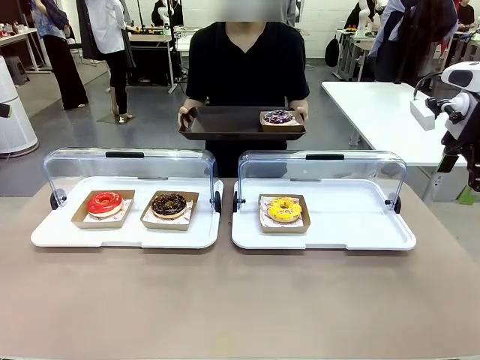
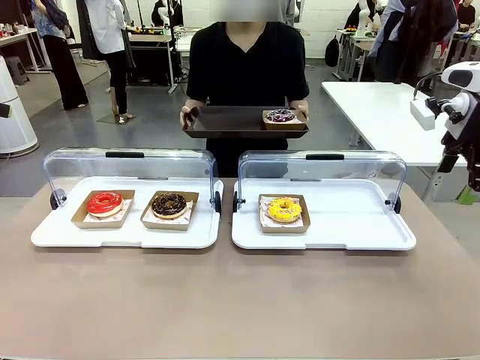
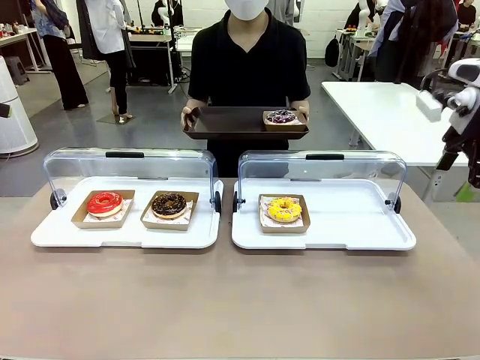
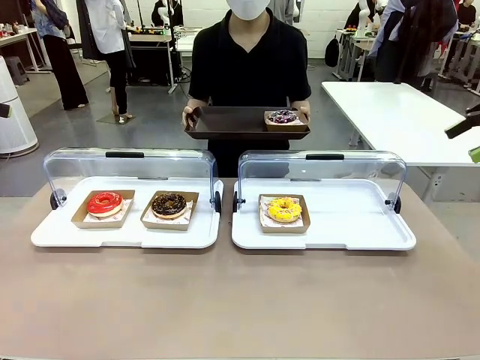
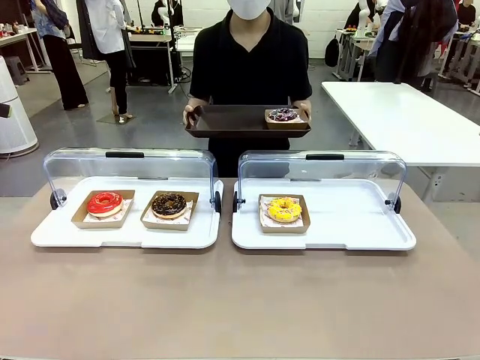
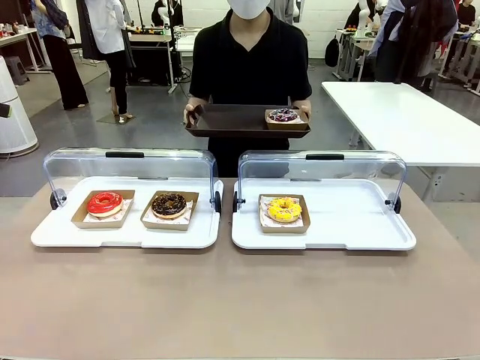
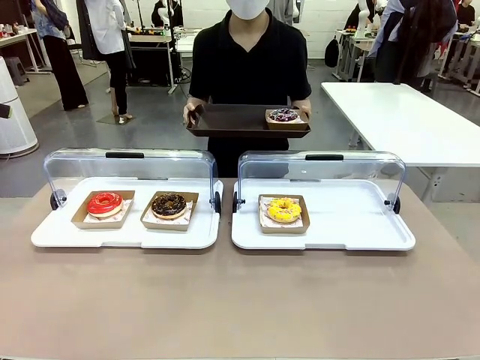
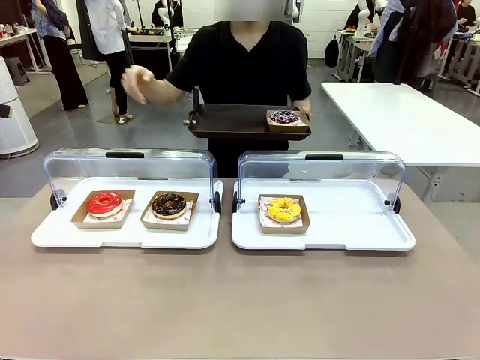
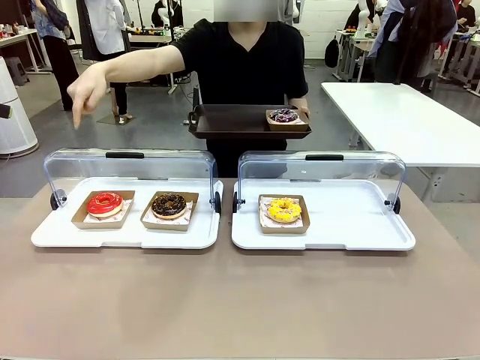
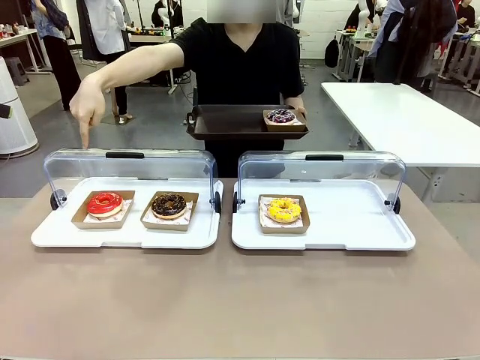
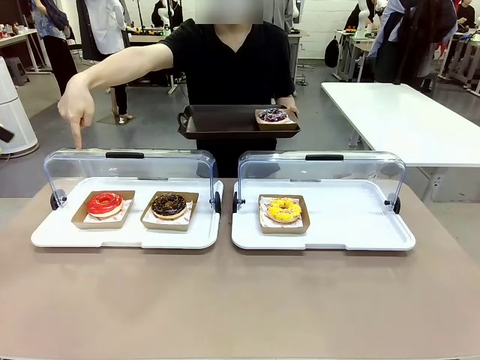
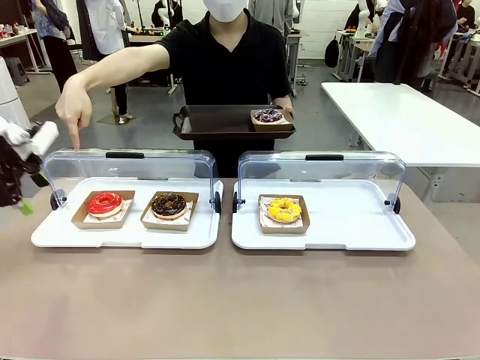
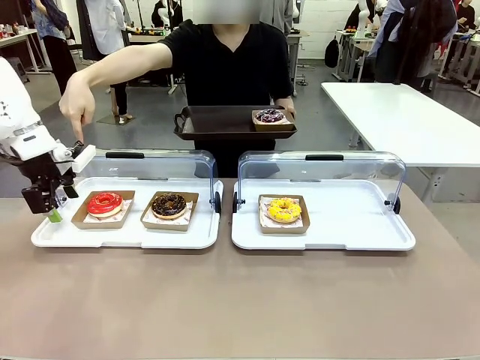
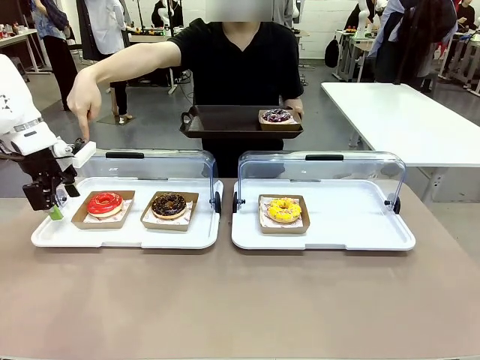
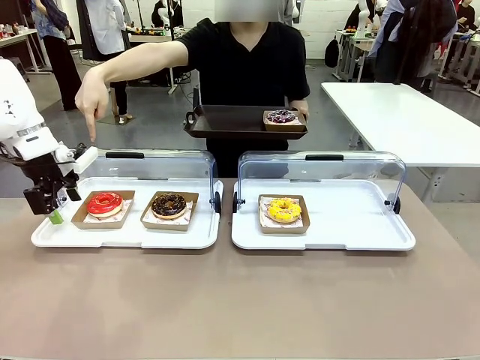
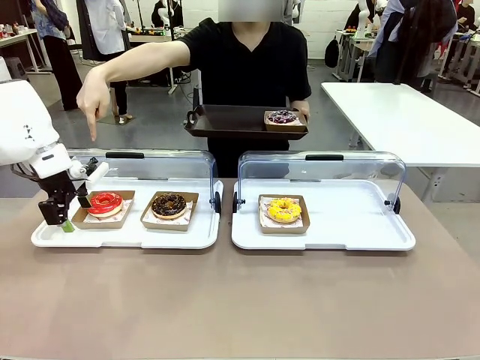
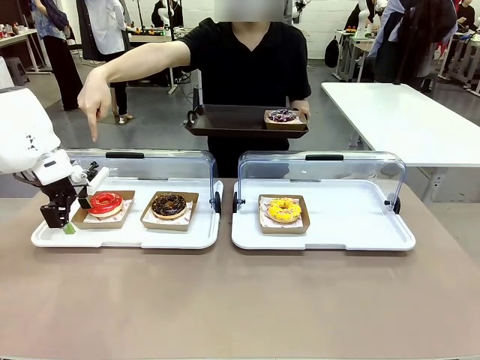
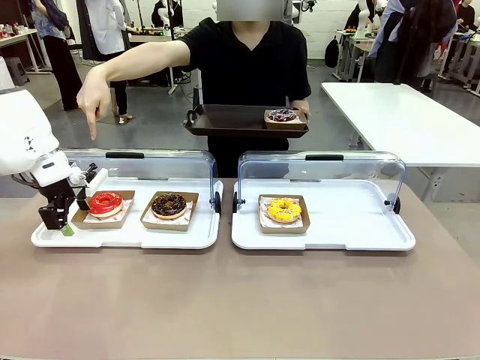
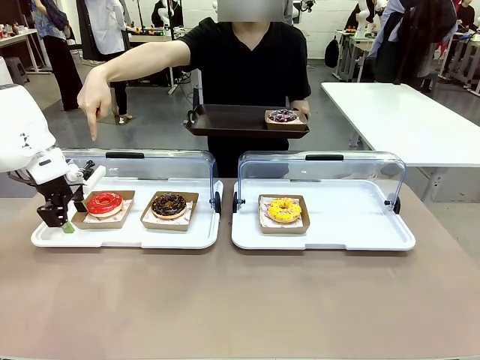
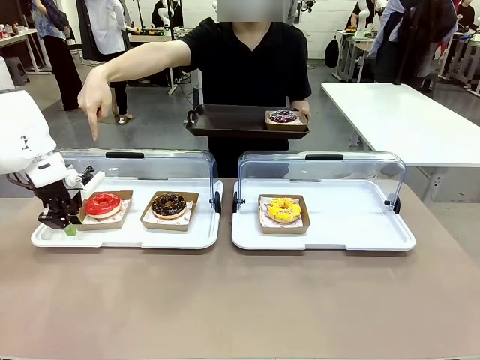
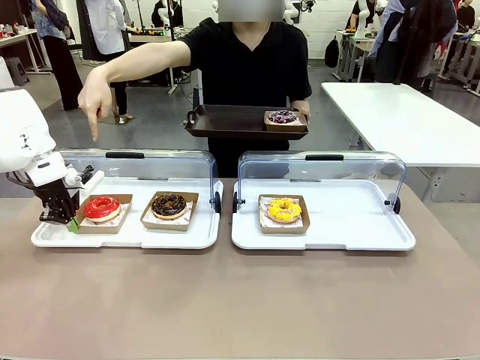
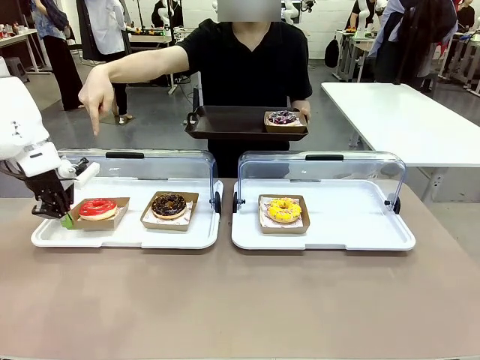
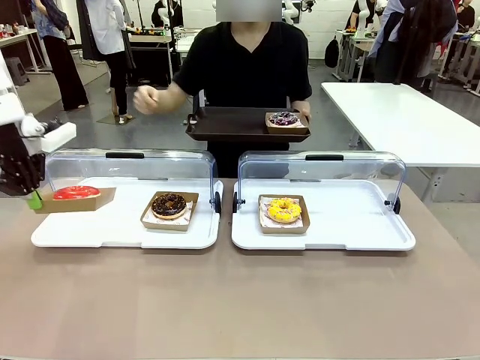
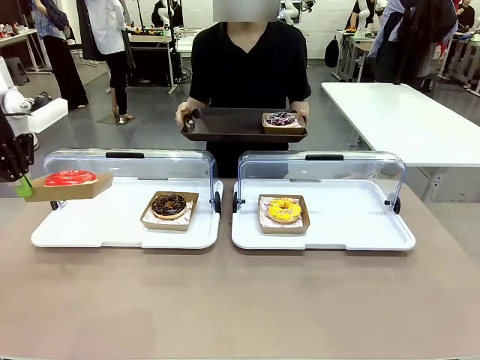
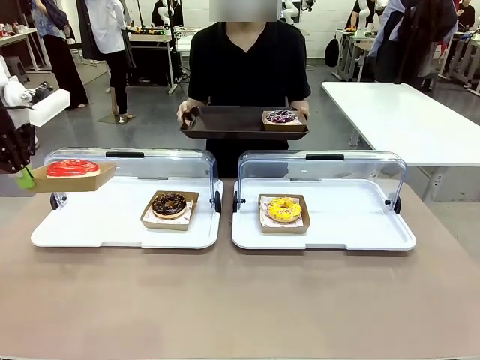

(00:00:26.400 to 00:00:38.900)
Task: Provide the desired donut to the person.
Robot: Pick up and lift the Paper togo box containing the Donut pointed at by the person.
Person: Point to one donut. Lift the tray onto the Roll-Top Bakery Case.

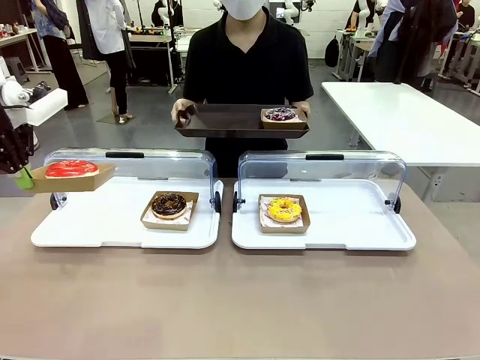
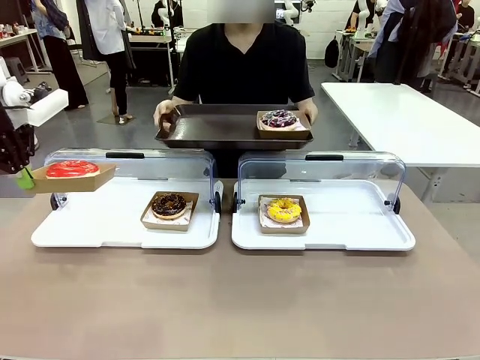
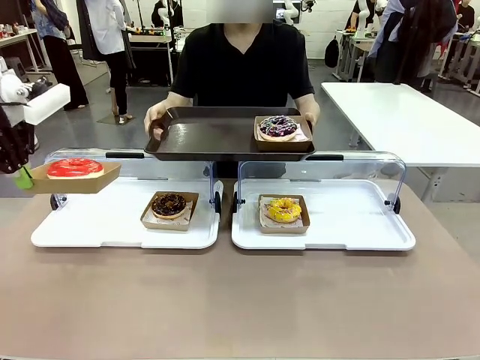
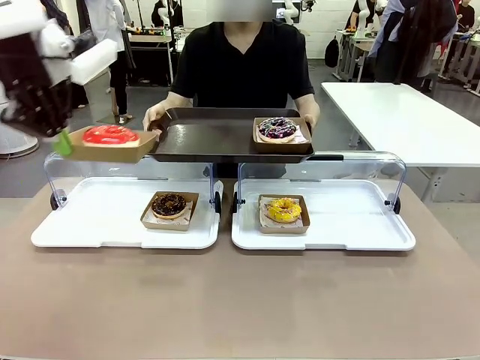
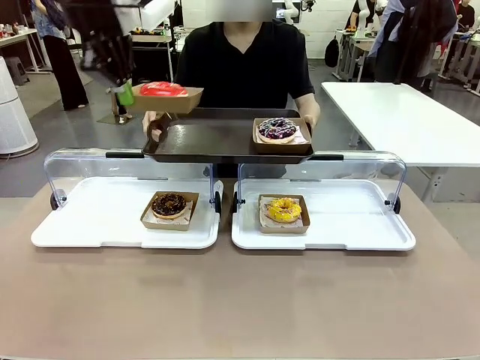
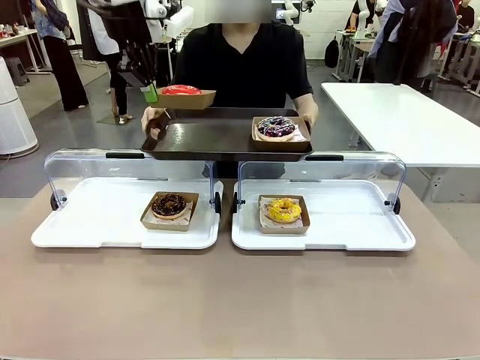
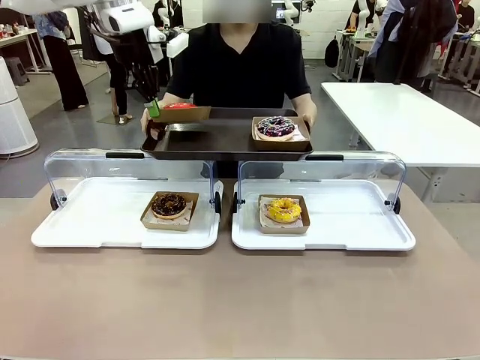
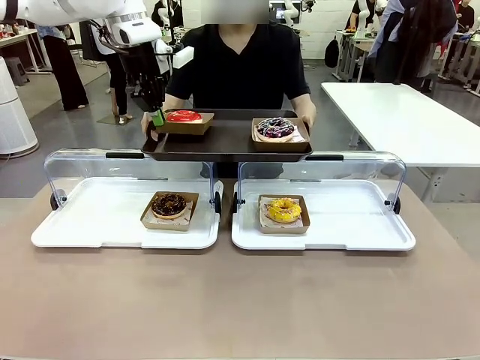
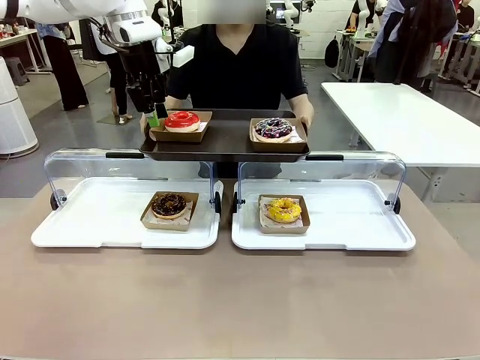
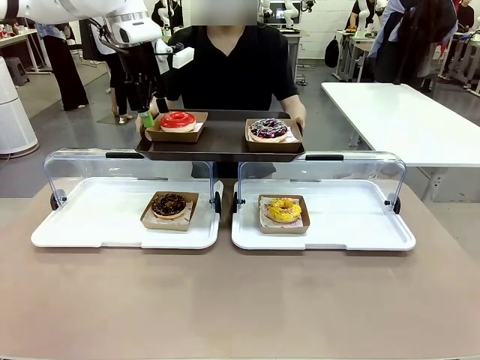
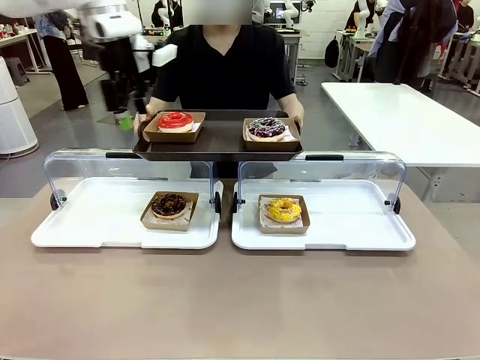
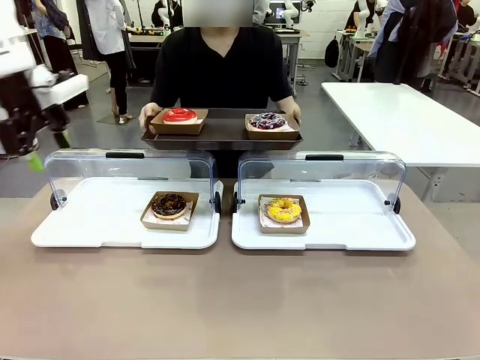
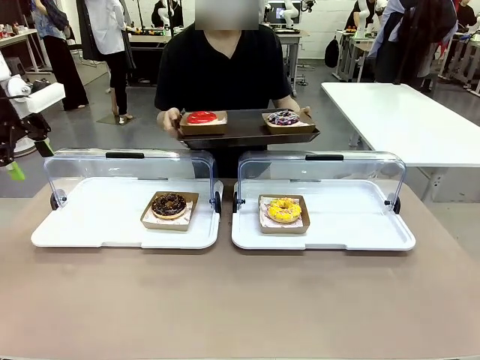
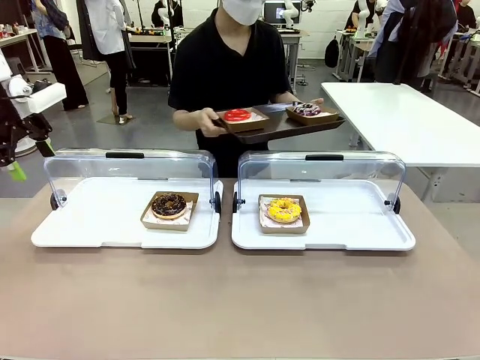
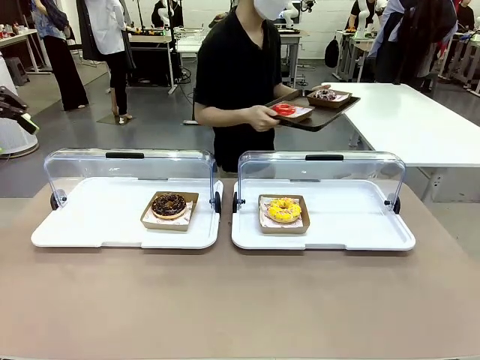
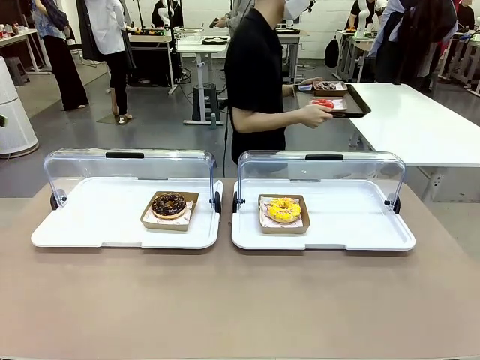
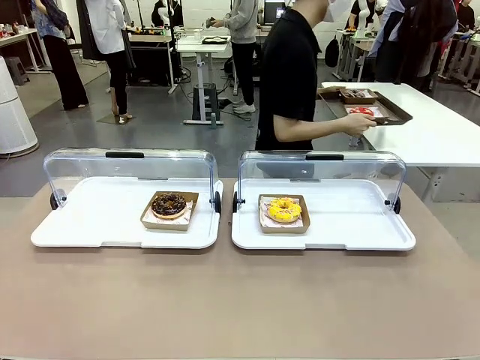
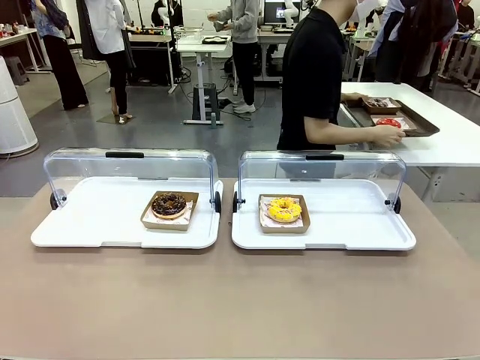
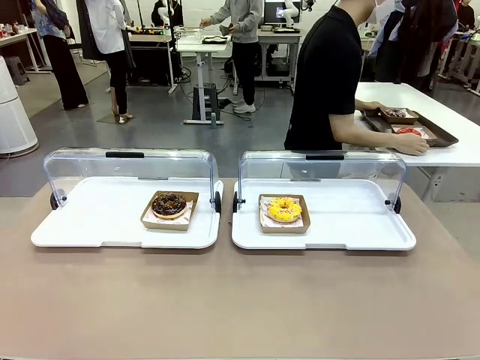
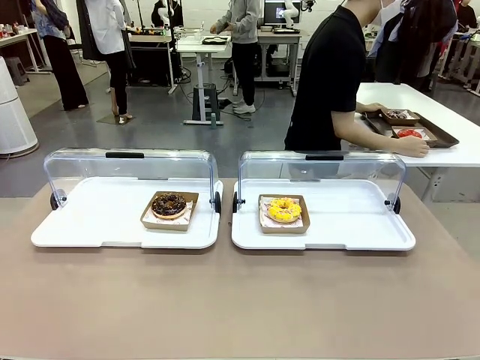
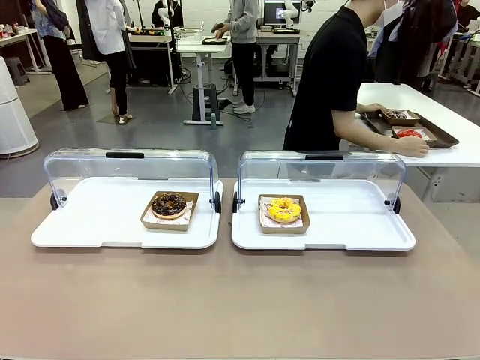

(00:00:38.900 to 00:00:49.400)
Robot: Place the picked Paper togo box onto the Handle tray extended by the person.
Person: Place the tray in the middle of the human table.
